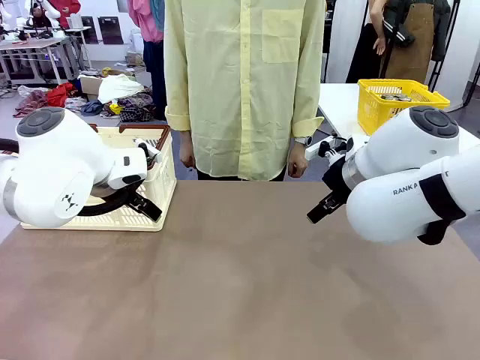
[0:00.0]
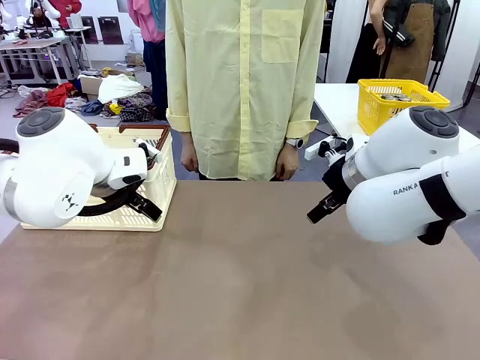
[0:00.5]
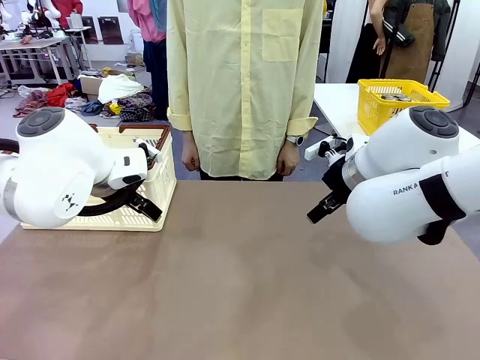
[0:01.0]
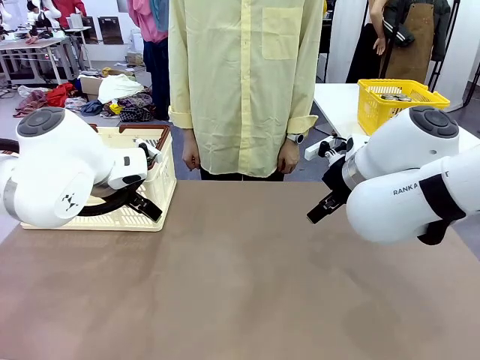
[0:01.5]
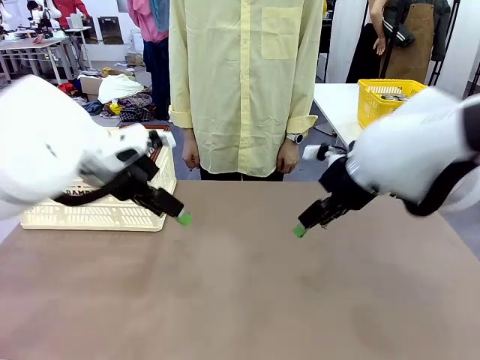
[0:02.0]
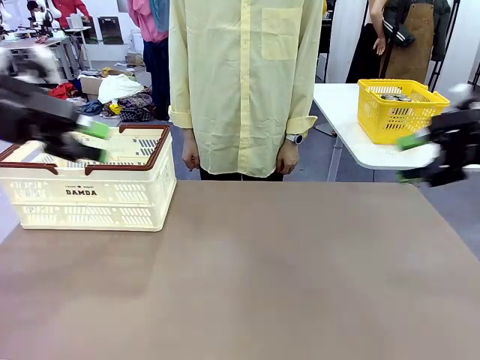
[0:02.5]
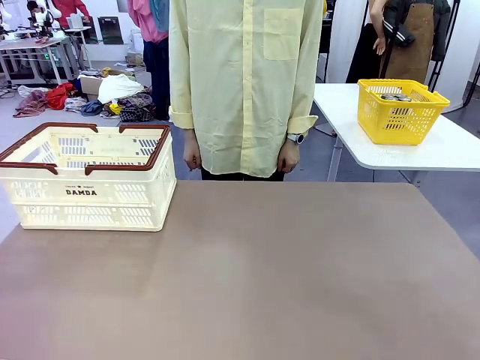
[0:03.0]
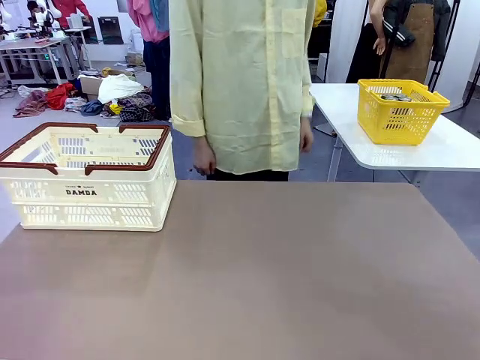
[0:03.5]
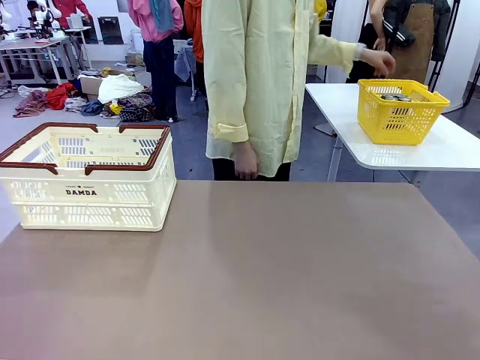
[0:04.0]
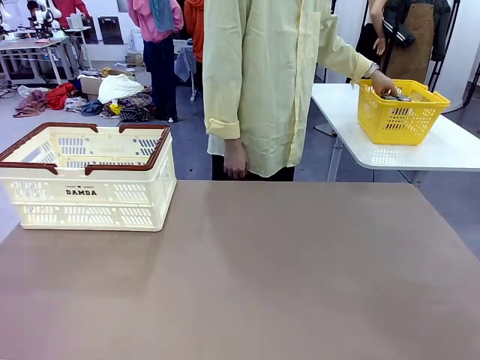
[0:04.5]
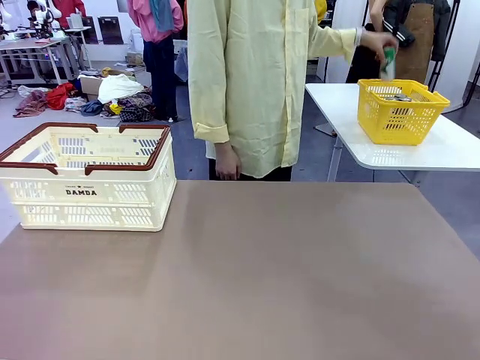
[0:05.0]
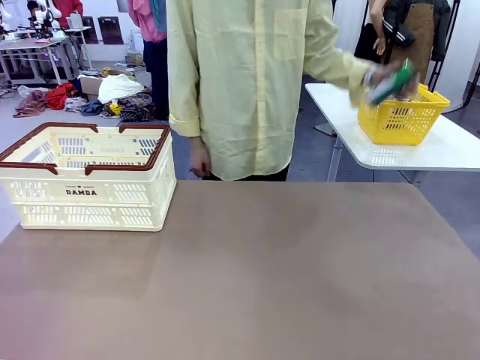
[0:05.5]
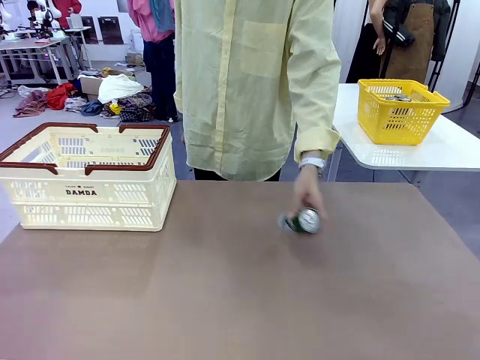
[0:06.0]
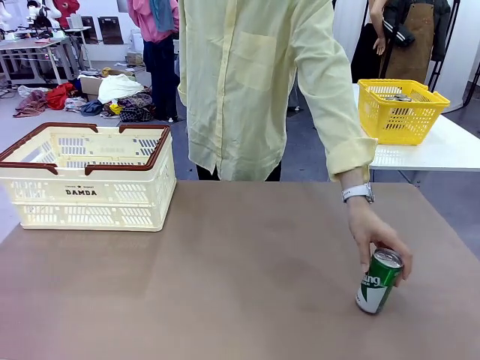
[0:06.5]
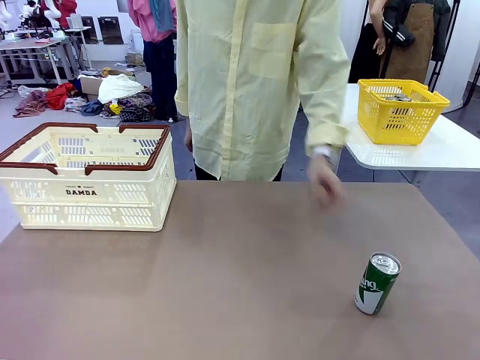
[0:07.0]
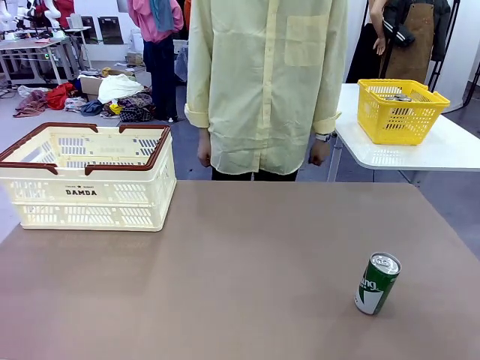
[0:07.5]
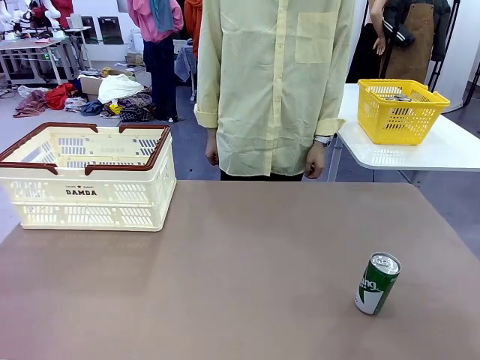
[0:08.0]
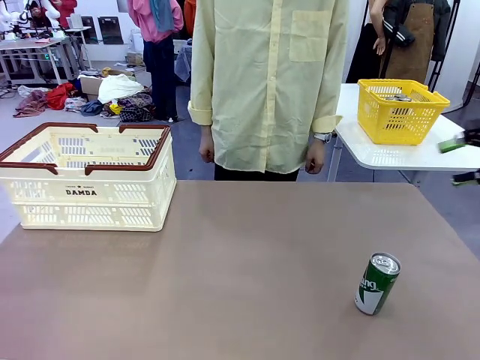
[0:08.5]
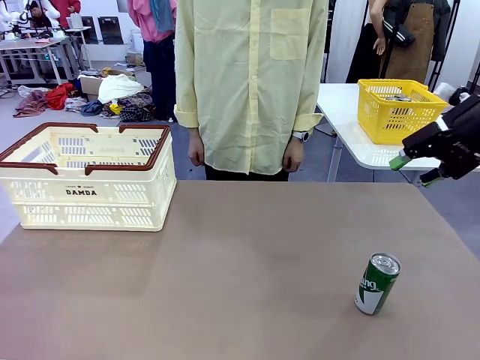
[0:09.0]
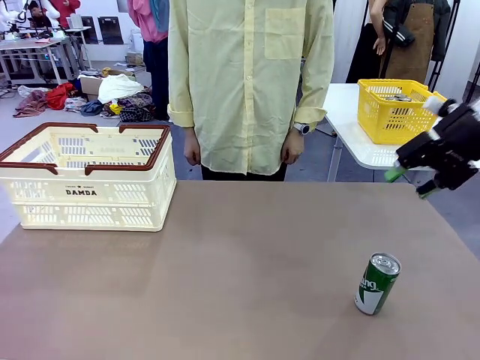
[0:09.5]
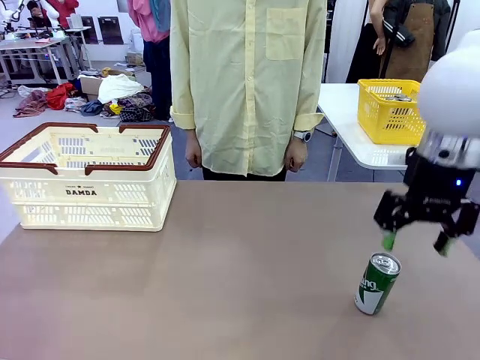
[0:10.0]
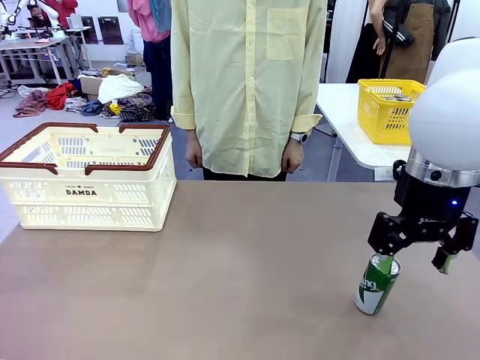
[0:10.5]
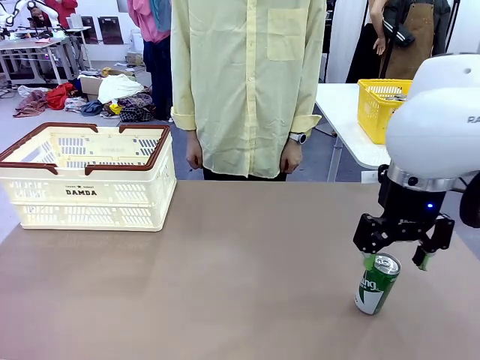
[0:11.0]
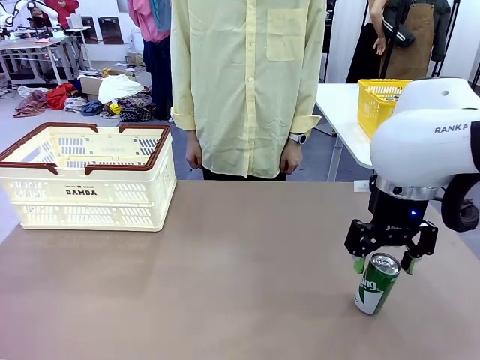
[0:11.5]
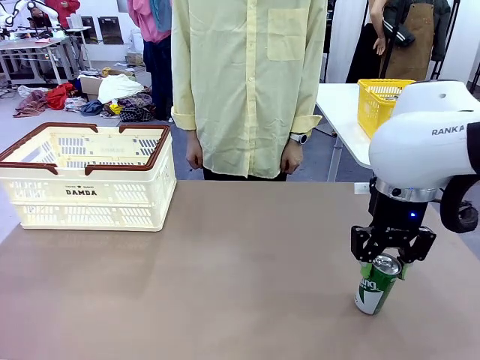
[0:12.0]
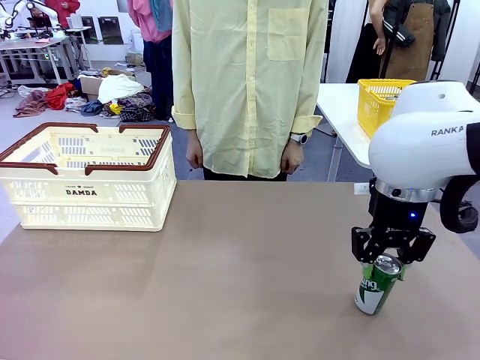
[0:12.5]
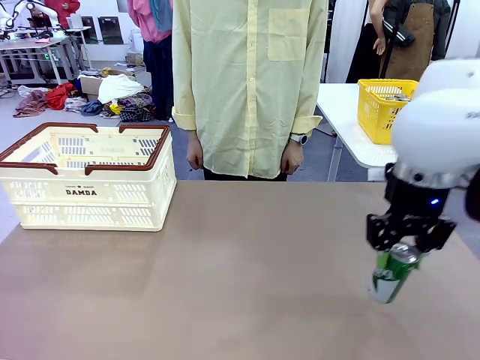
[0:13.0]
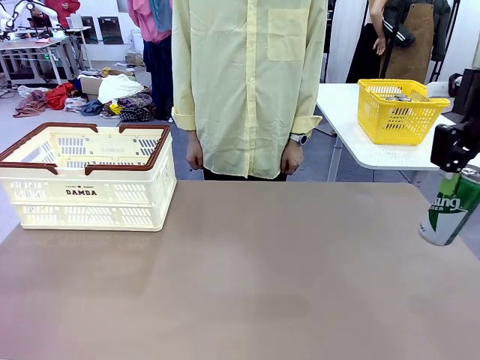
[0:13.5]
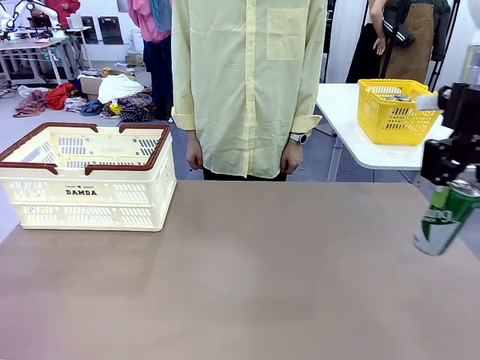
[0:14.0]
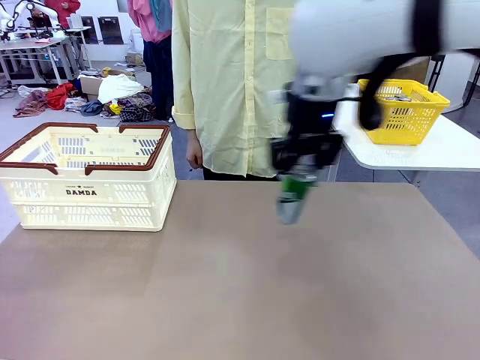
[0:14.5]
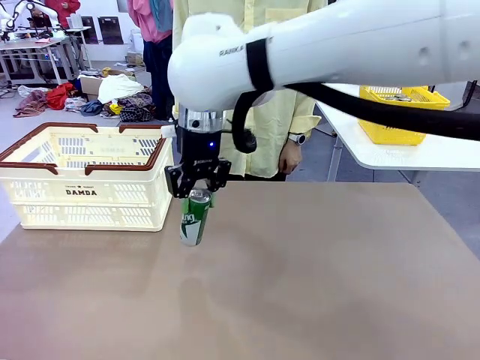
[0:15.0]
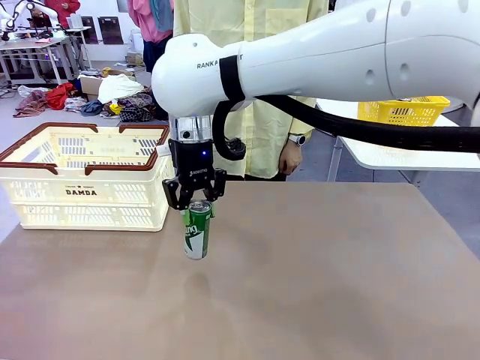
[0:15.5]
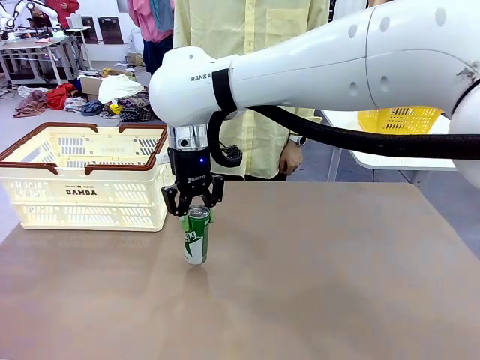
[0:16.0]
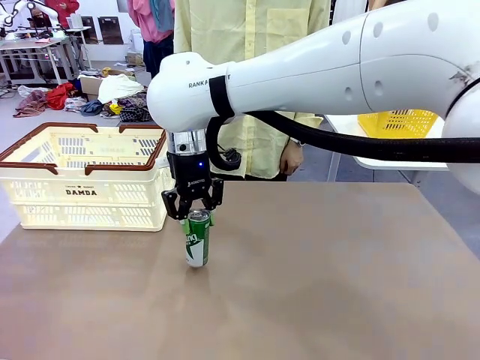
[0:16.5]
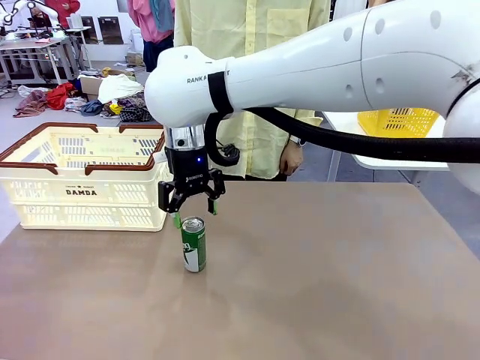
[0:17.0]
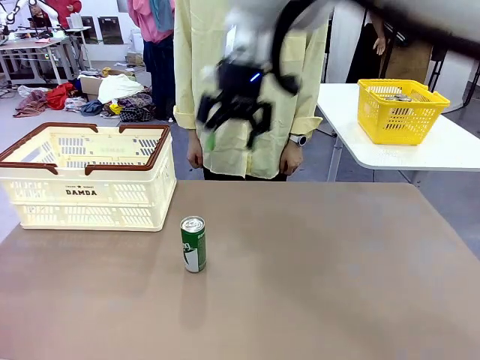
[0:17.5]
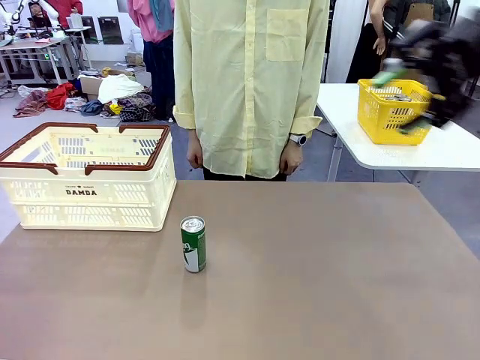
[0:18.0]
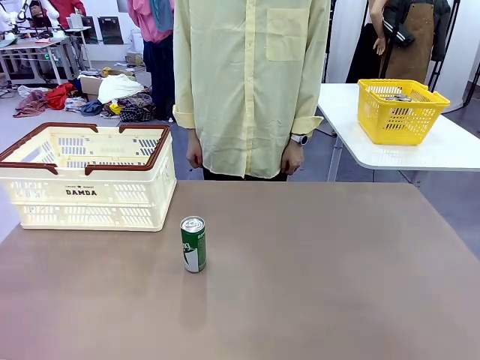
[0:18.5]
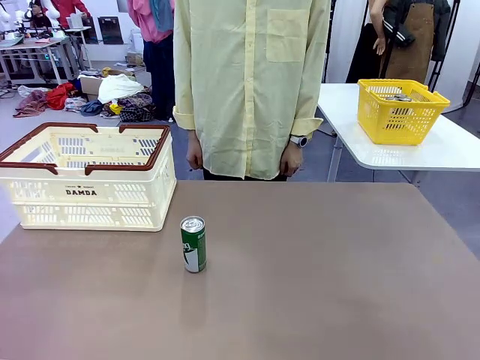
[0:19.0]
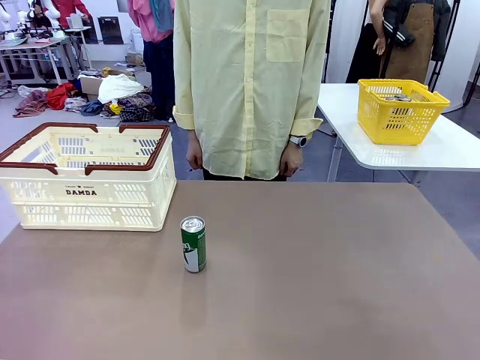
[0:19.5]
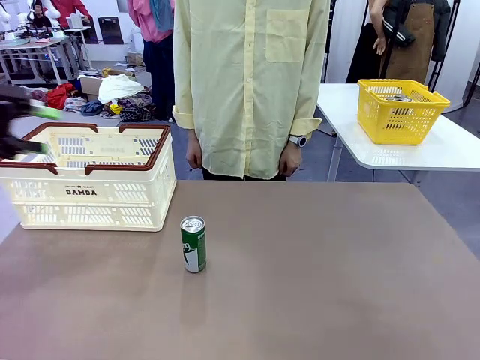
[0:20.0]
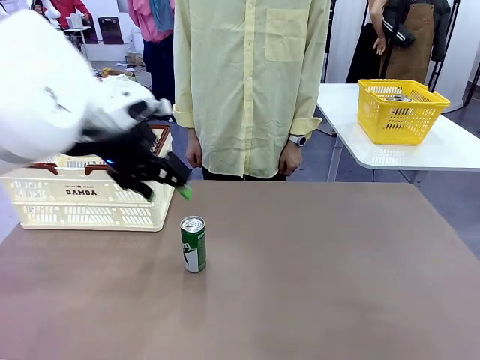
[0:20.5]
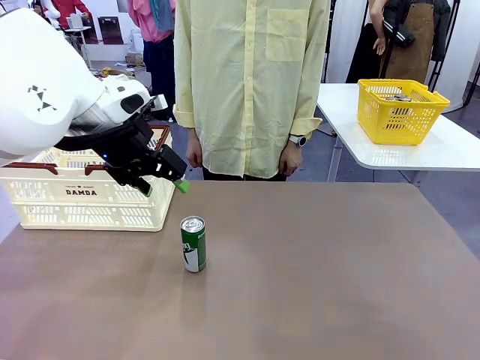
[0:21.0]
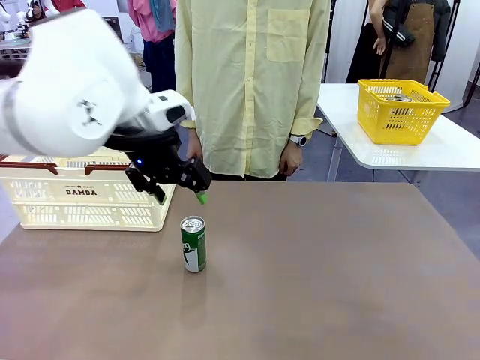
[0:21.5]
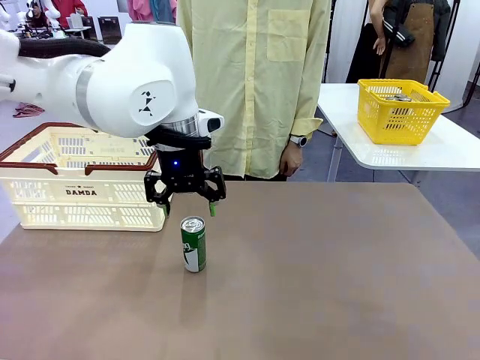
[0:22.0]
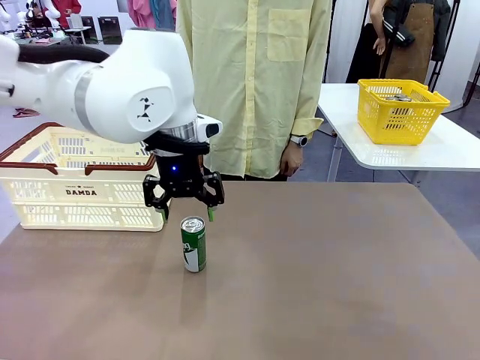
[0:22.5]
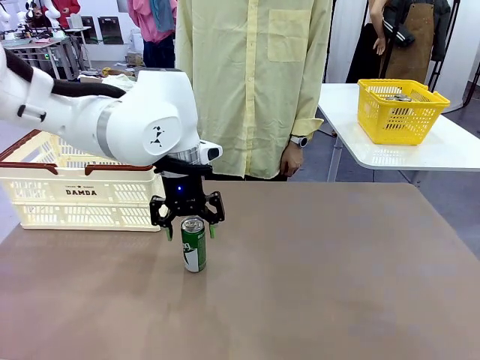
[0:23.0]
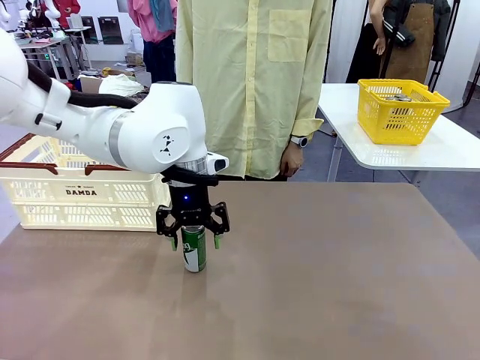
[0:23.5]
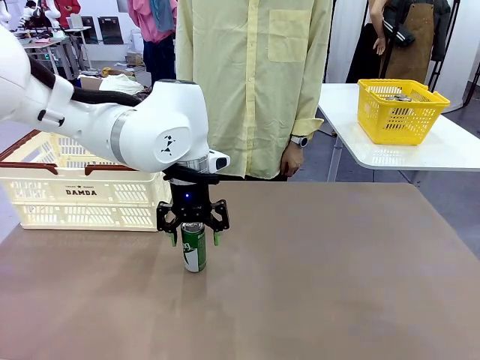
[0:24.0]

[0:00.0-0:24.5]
Task: Place the drinks into the Shopping basket.
Robot: Pick up one drink and place it into the Shopping basket.
